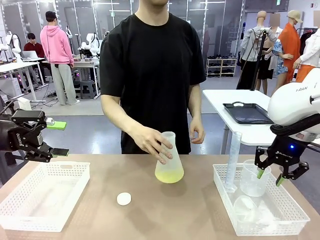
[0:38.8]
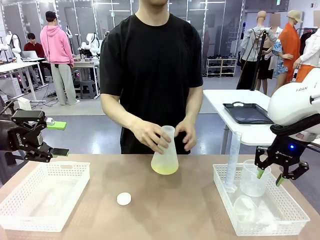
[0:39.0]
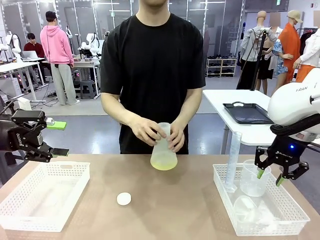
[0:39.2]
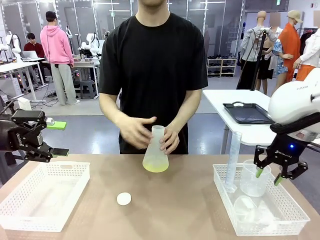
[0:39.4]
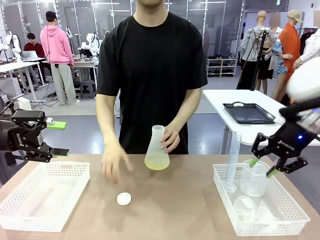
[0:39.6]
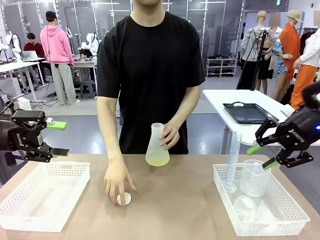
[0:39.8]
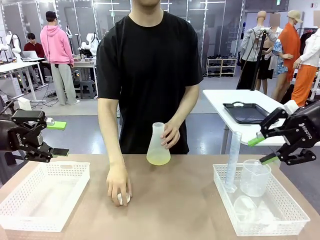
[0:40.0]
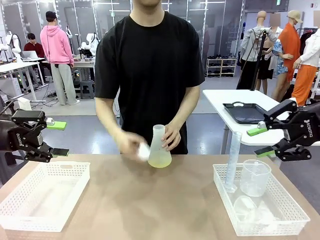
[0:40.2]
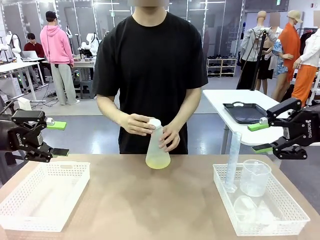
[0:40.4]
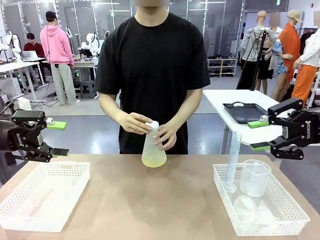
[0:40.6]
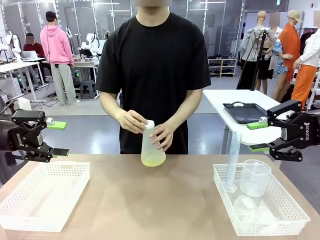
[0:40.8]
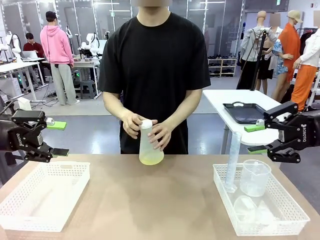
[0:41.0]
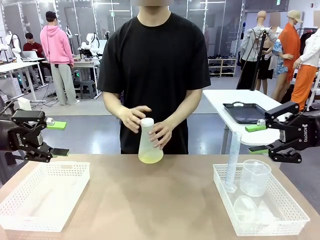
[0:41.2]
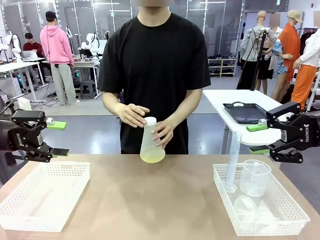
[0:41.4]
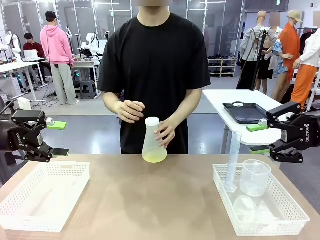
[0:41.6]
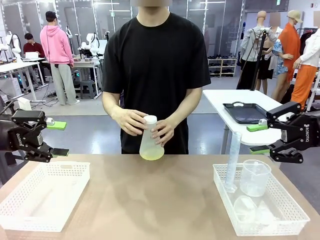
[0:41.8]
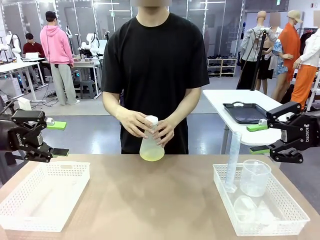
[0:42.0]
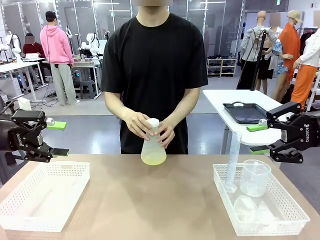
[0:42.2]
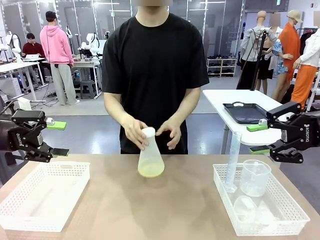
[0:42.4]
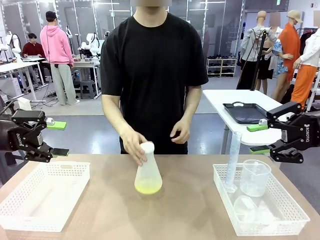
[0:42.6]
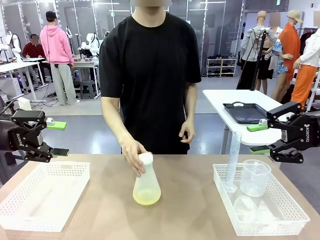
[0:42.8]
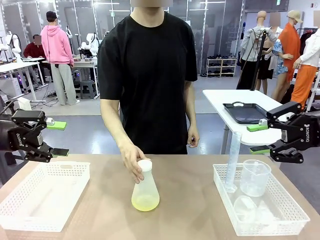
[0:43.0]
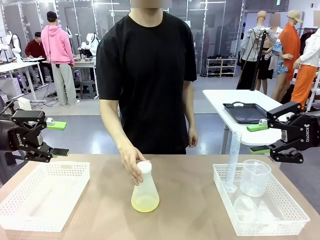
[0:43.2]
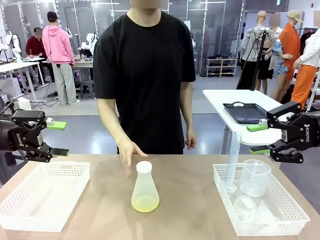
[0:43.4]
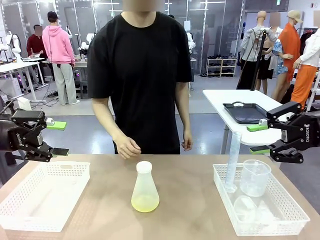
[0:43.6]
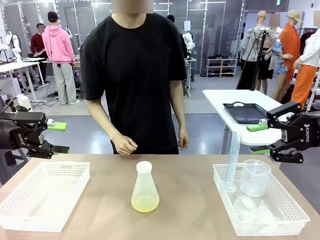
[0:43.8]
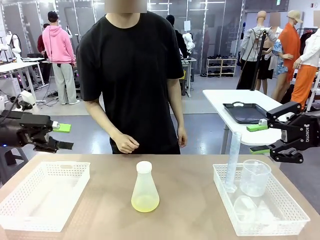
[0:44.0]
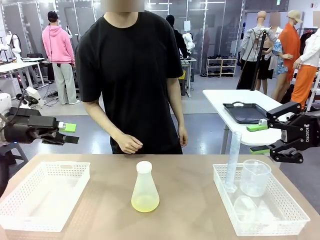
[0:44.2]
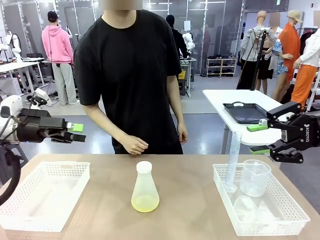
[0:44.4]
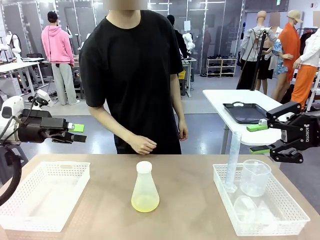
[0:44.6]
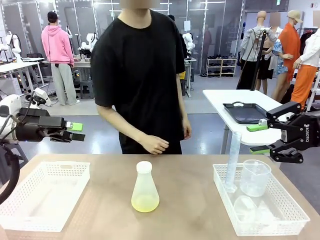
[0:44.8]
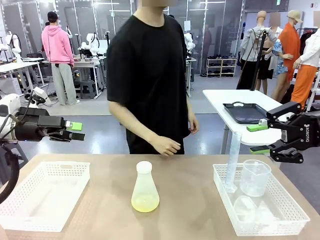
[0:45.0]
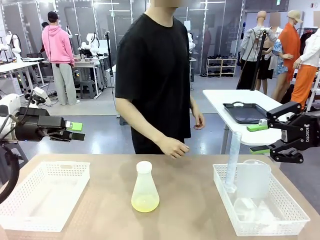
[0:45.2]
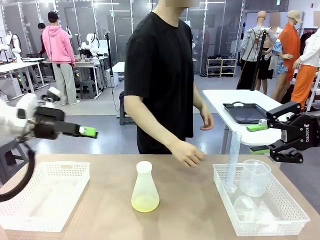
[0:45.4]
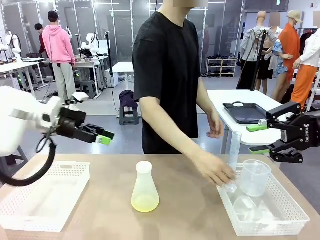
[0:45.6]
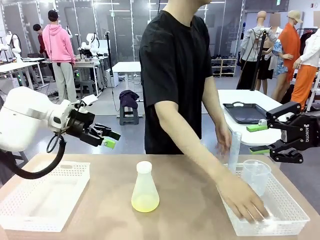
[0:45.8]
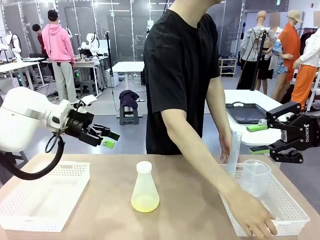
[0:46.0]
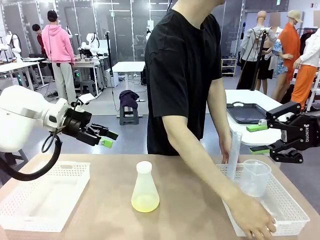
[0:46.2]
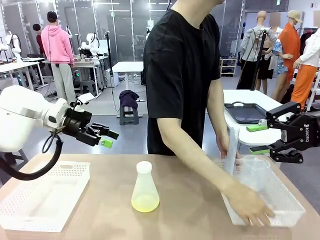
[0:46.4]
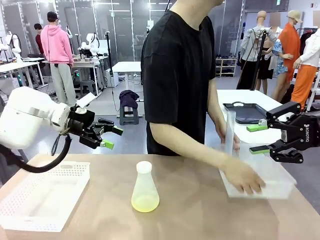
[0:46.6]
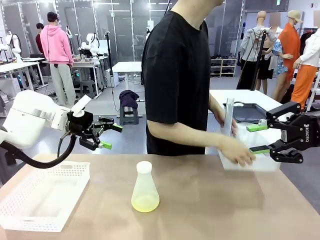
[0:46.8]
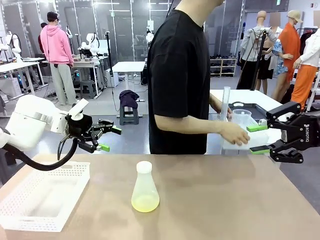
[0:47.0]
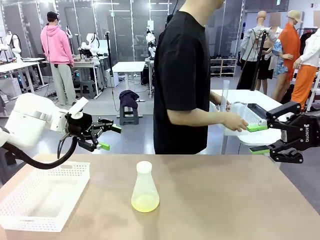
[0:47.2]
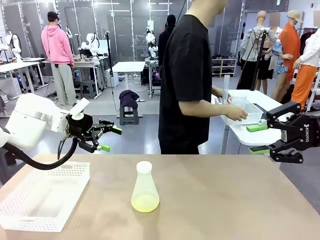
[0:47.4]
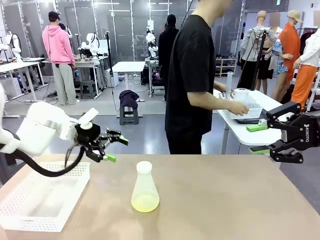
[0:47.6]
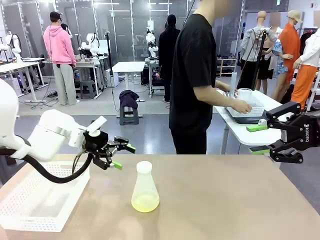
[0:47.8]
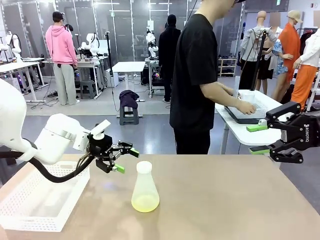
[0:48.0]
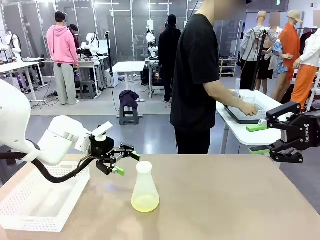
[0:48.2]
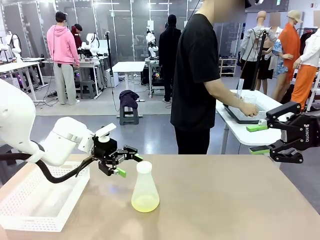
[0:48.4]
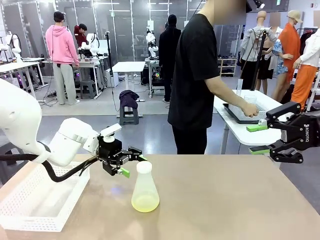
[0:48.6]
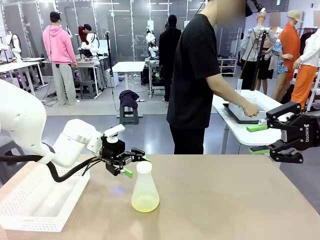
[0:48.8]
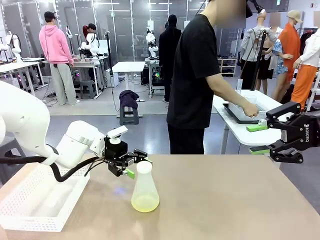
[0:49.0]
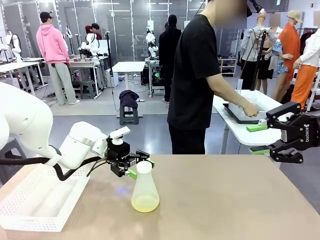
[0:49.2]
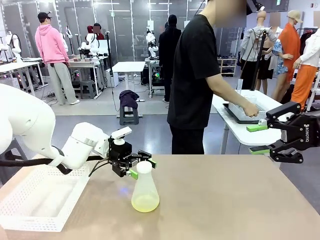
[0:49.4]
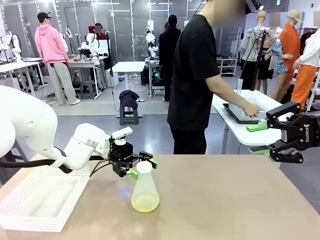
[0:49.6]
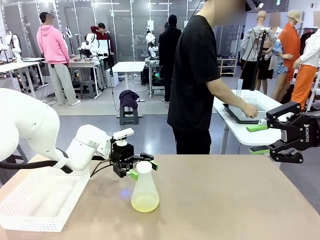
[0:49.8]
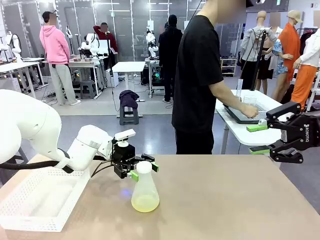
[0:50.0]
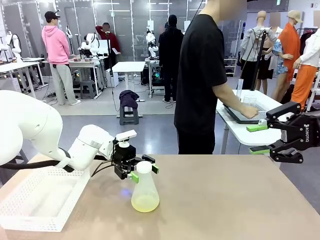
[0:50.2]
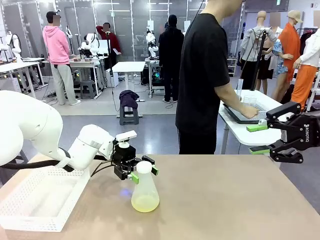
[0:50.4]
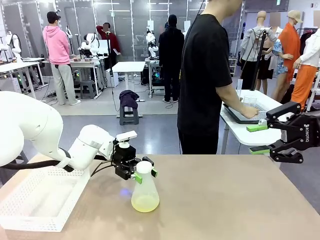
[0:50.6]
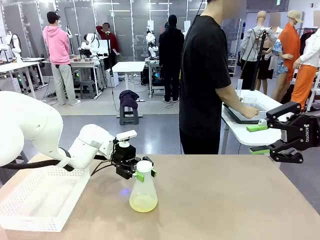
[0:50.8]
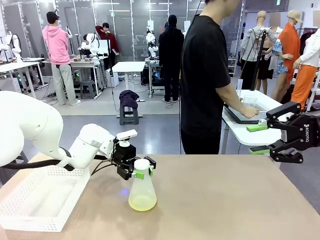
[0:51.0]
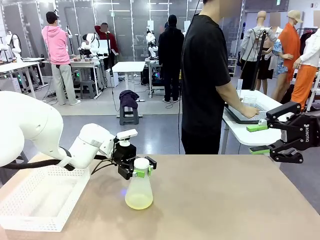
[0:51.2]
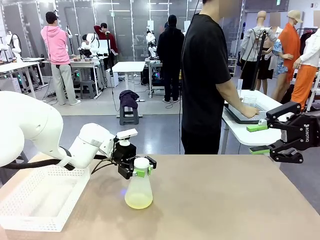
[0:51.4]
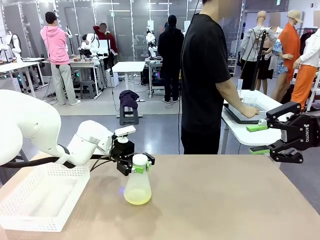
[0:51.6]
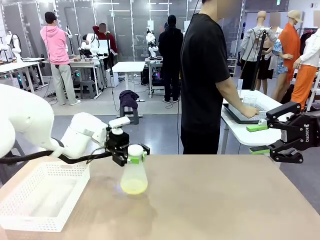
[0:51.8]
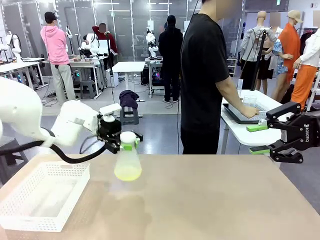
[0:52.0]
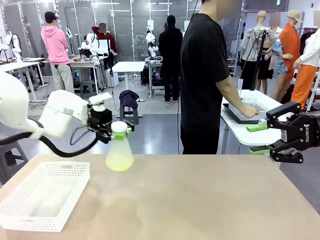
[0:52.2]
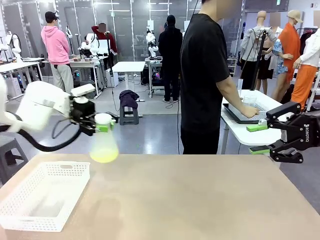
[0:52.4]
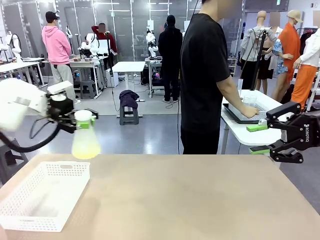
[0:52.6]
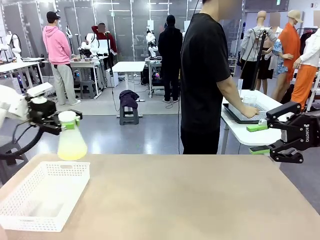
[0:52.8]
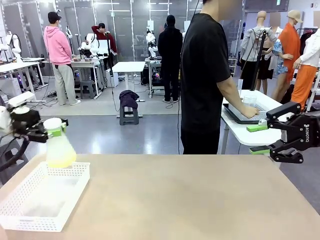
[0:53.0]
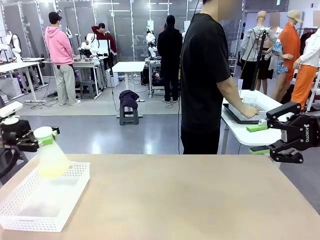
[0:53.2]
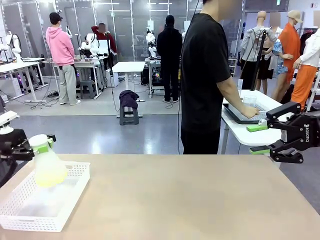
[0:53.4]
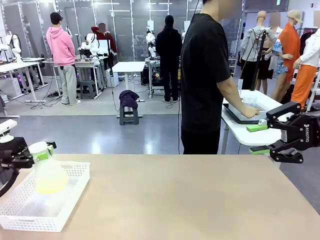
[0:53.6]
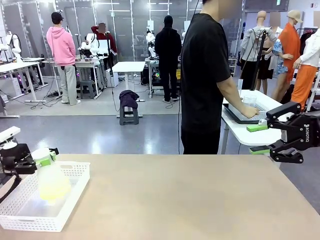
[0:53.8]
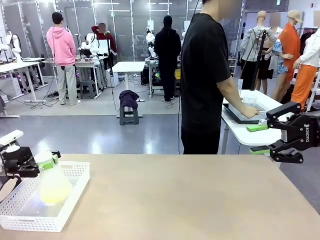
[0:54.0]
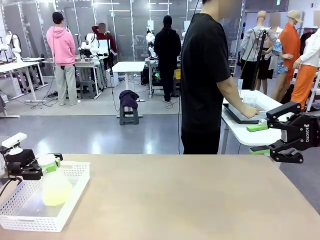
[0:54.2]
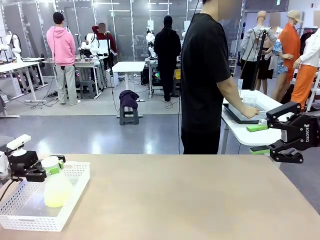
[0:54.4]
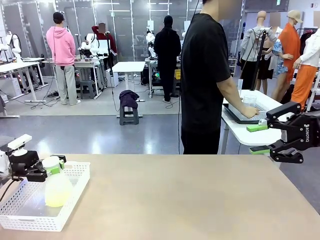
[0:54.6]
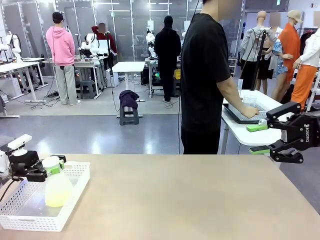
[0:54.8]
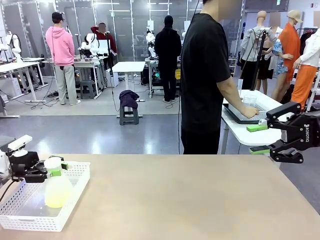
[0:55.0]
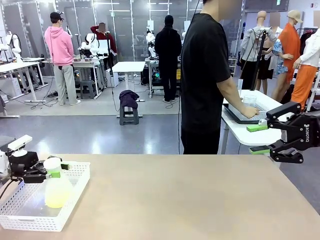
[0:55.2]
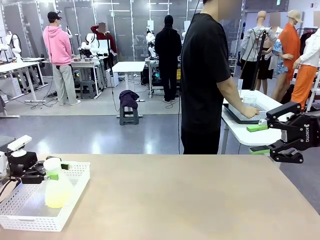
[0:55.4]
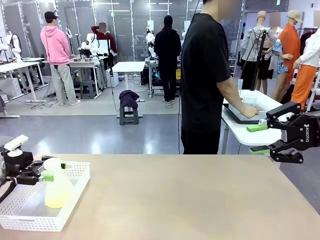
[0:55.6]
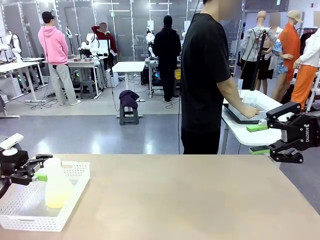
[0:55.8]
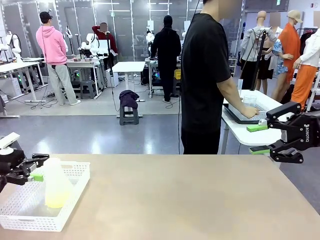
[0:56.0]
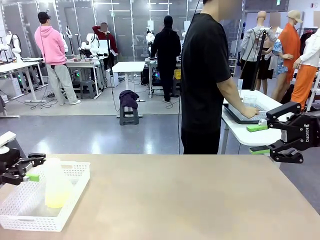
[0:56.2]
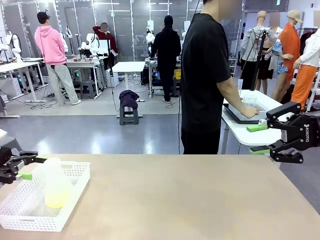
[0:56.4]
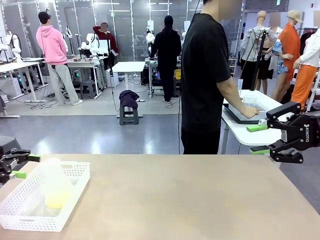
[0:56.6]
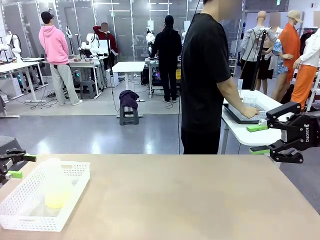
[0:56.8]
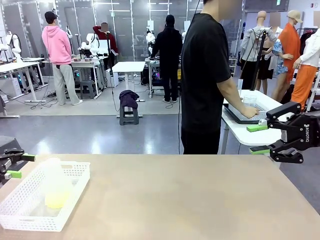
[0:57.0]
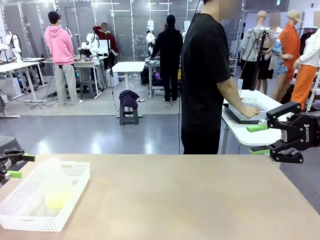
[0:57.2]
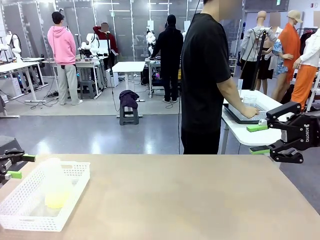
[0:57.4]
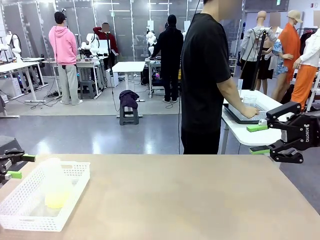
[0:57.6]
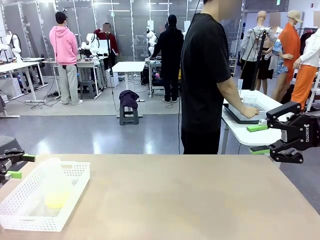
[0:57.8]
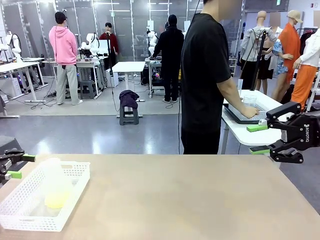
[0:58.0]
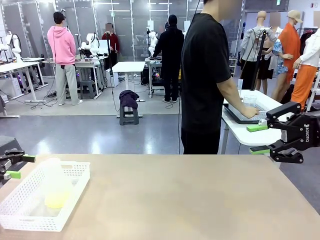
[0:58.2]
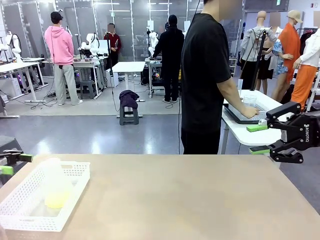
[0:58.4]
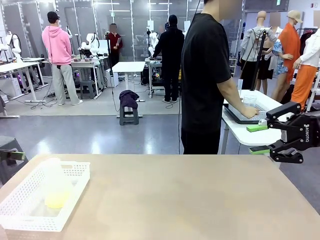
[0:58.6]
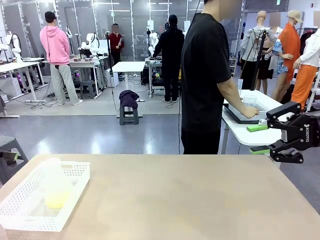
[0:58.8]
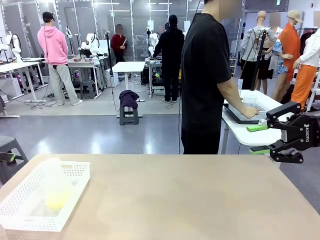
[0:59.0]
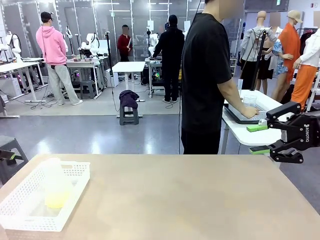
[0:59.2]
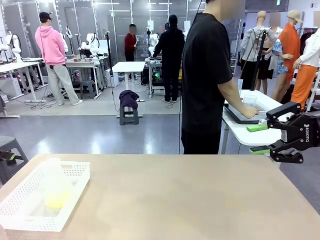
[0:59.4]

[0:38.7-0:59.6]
Task: Prepare the solutions needed for the experiment.
Robot: When the human places the Big flask in the center of the table, pick up the Big flask and place it in the left Organizing basket.
Person: Pick up the organizing basket on the left side of the robot table and place it on the left side of the human table.
